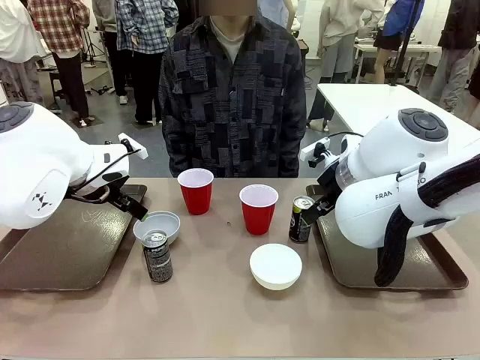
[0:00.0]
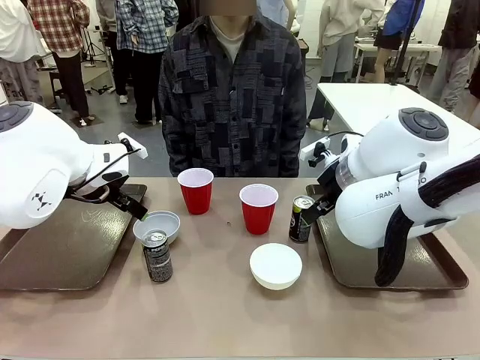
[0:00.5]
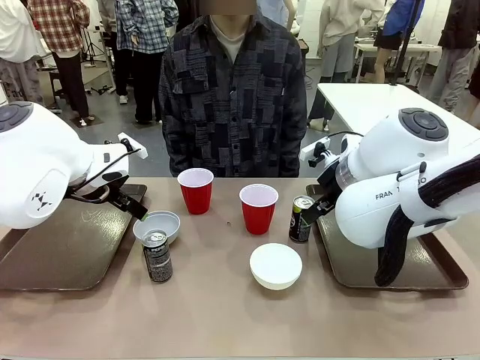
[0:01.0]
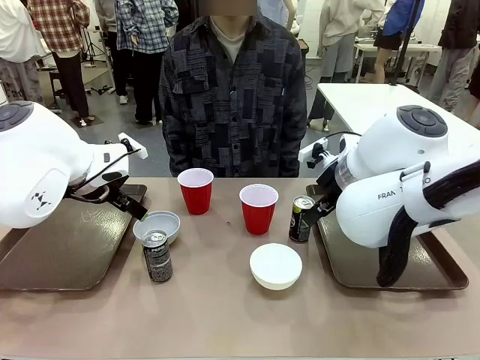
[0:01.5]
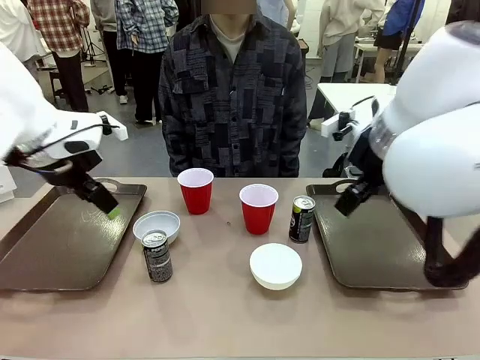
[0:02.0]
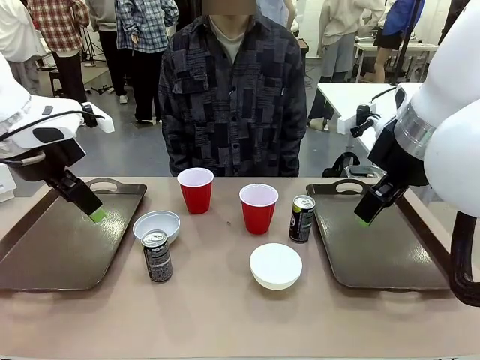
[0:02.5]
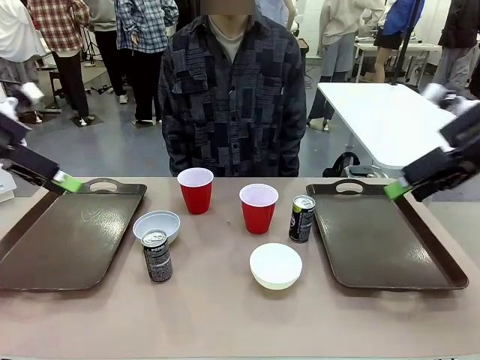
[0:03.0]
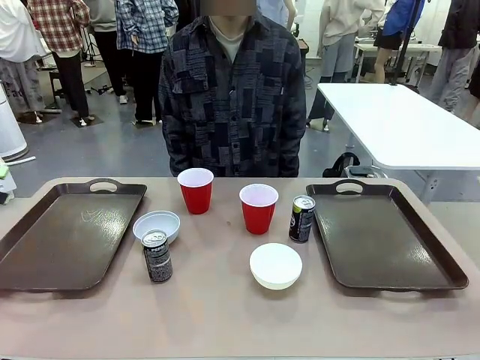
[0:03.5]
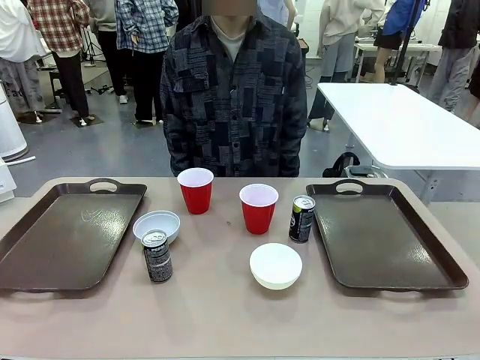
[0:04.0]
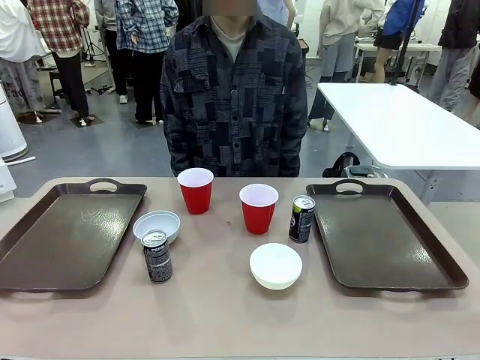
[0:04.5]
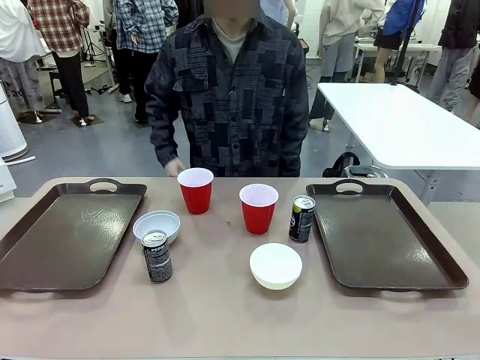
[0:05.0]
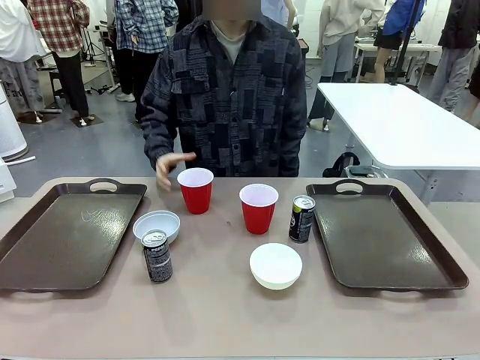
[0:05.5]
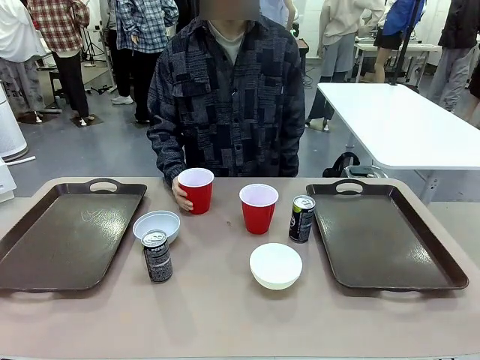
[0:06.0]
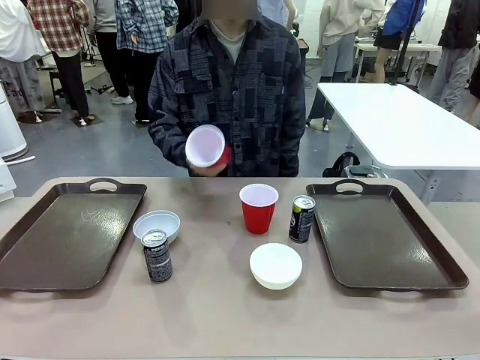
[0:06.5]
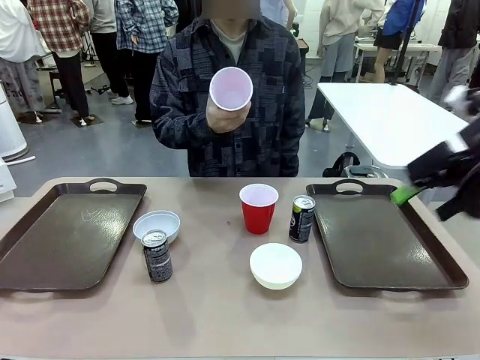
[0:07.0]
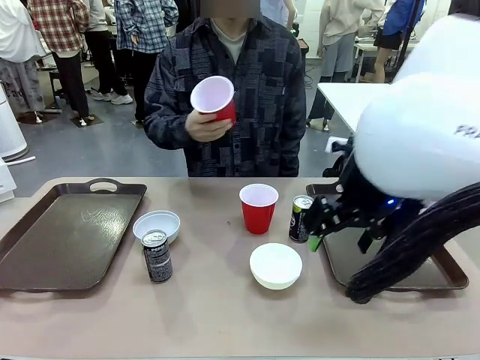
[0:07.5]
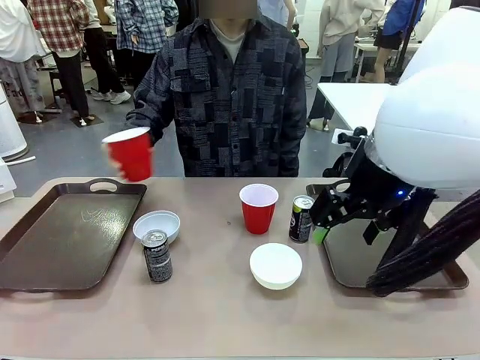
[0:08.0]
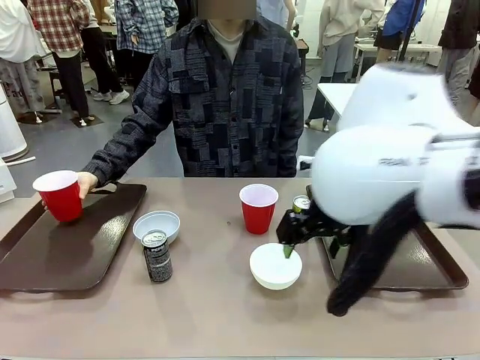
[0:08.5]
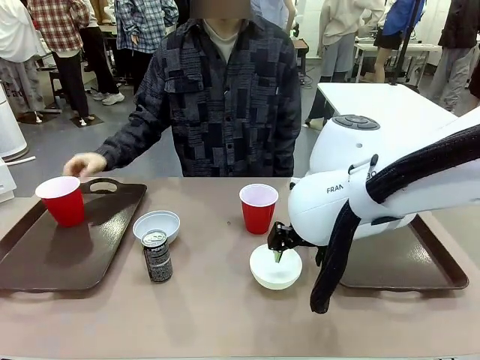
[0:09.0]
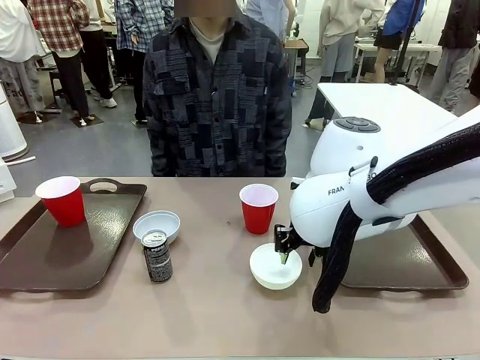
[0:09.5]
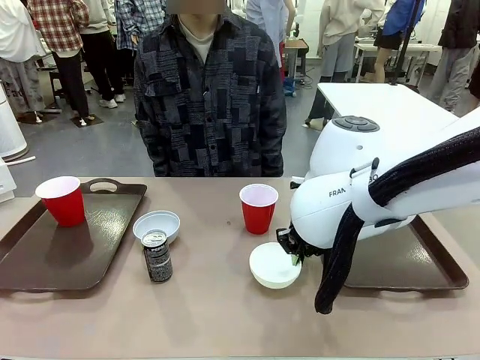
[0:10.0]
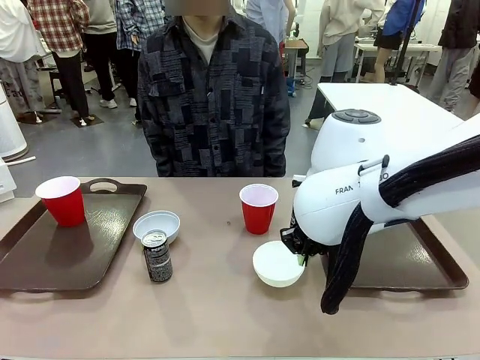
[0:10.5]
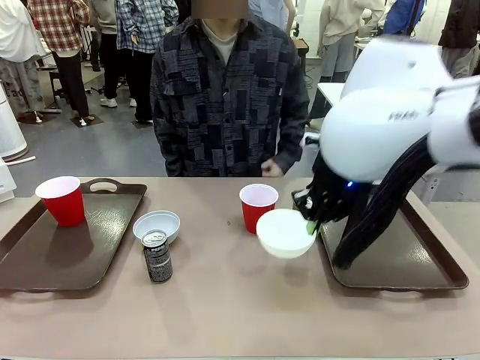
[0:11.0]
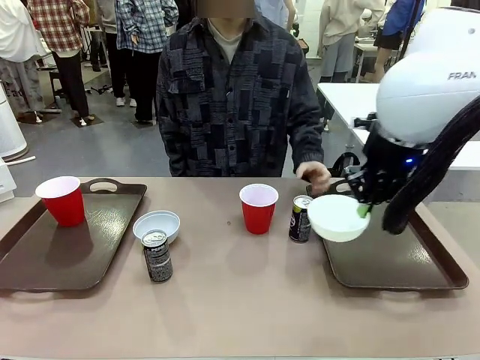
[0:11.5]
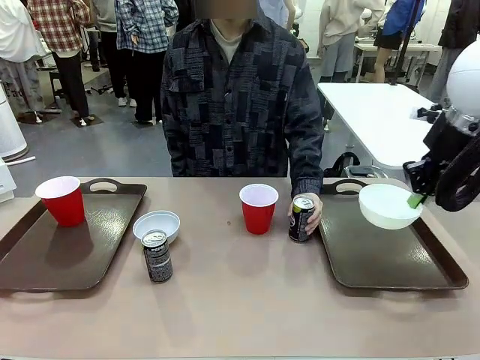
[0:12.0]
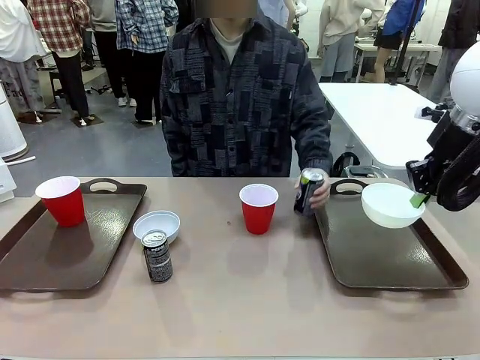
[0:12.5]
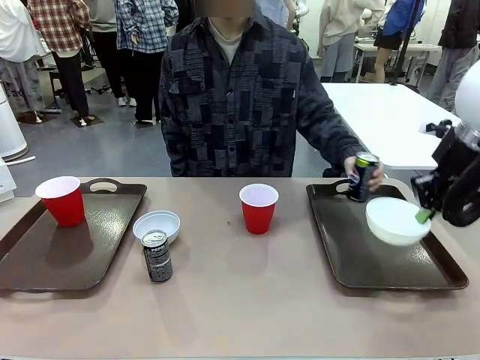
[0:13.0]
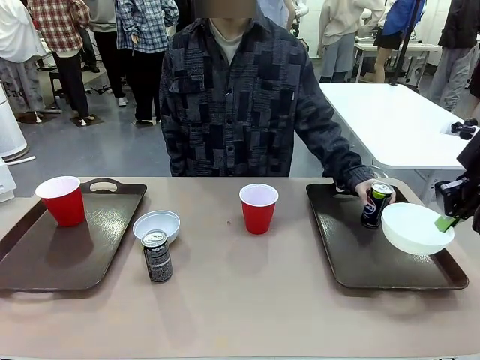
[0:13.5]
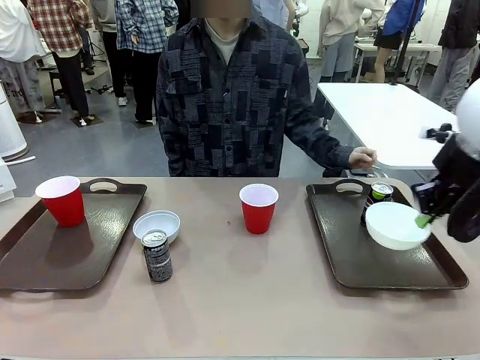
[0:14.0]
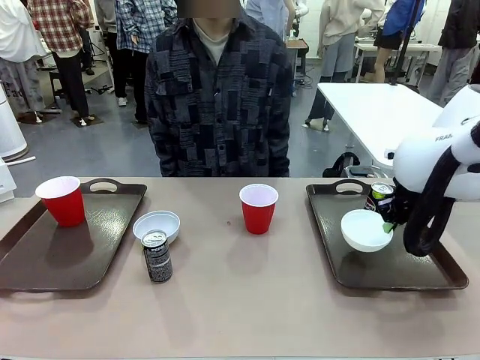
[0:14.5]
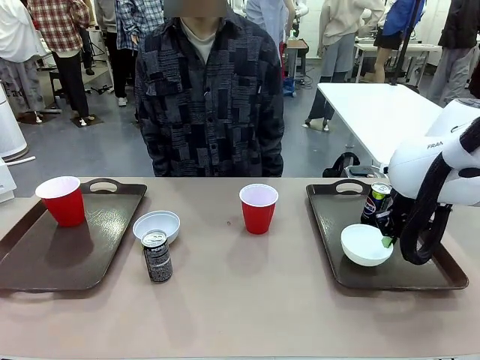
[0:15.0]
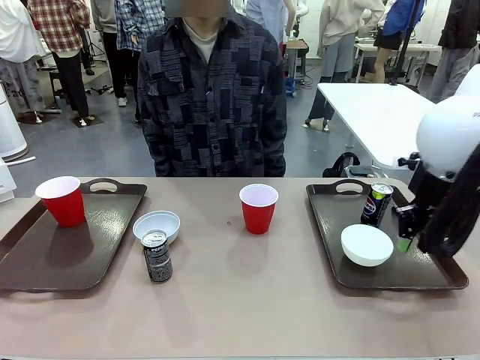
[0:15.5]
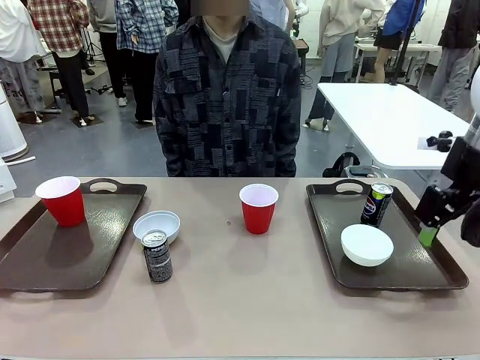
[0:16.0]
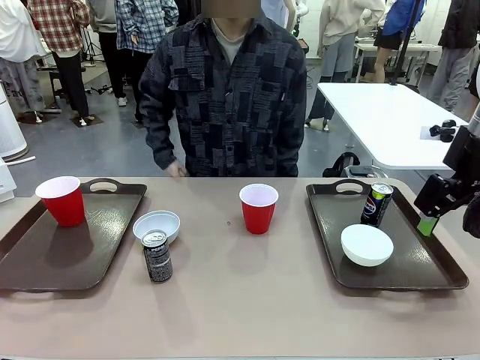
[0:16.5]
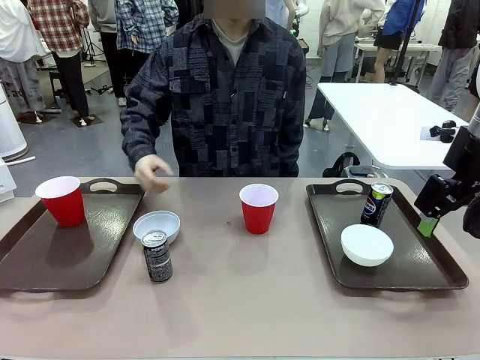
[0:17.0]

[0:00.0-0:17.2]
Task: Prepare tableware on both trays.
Robot: Pick up a Picnic Bowl from the table and place it on a Handle tray.
Person: Pick up a can or cup and place it on the tray.
